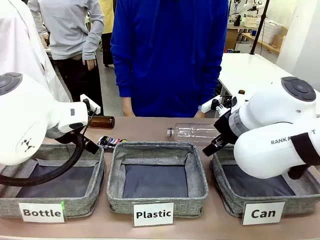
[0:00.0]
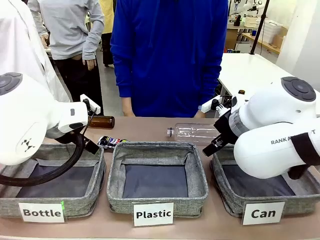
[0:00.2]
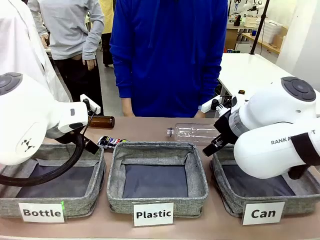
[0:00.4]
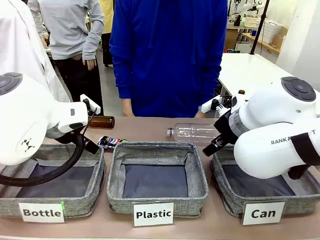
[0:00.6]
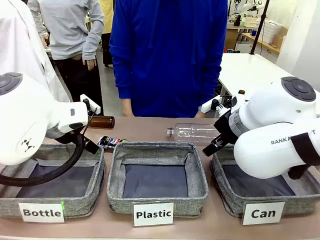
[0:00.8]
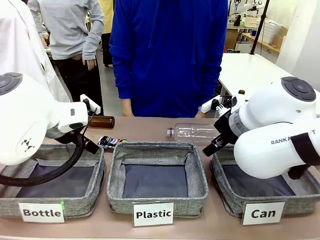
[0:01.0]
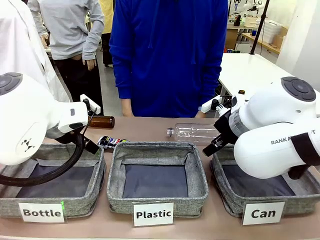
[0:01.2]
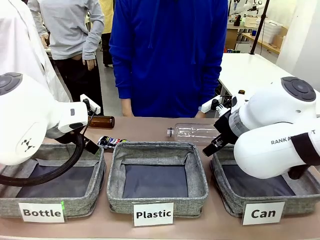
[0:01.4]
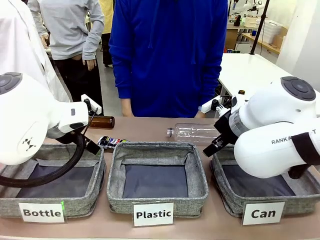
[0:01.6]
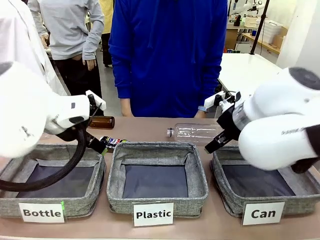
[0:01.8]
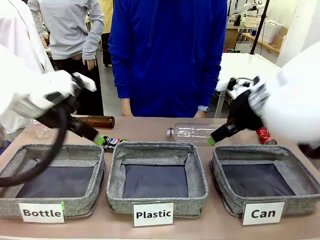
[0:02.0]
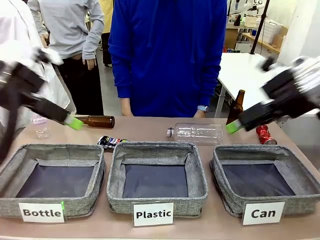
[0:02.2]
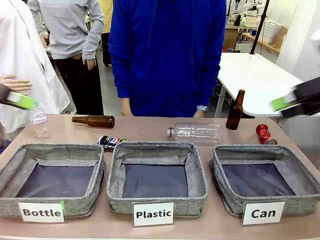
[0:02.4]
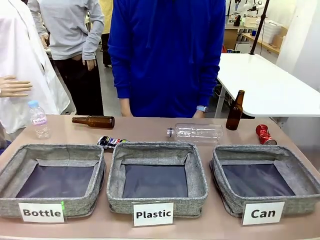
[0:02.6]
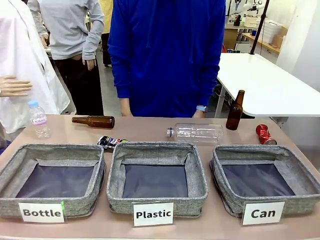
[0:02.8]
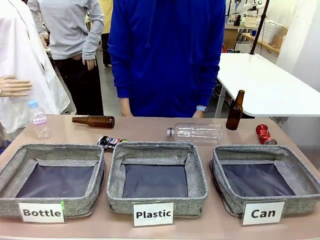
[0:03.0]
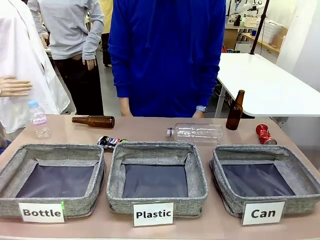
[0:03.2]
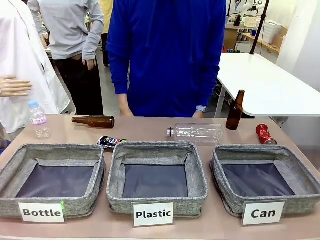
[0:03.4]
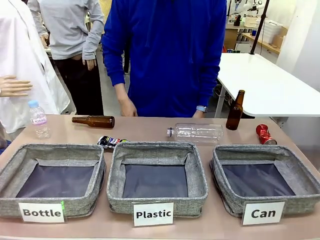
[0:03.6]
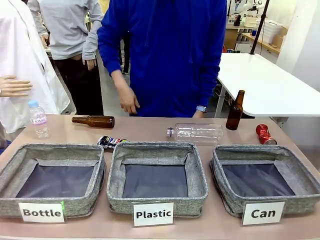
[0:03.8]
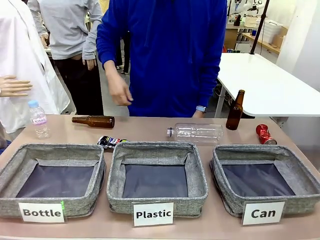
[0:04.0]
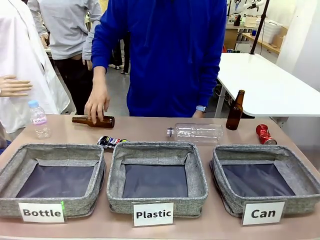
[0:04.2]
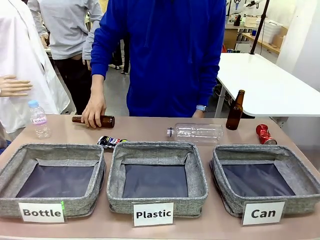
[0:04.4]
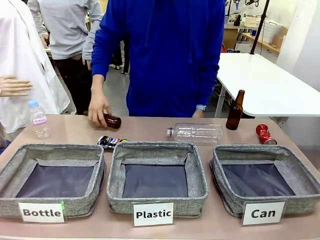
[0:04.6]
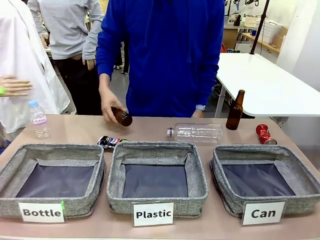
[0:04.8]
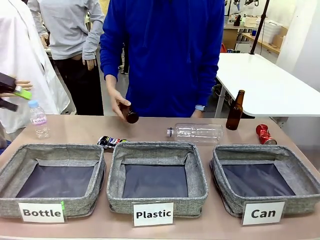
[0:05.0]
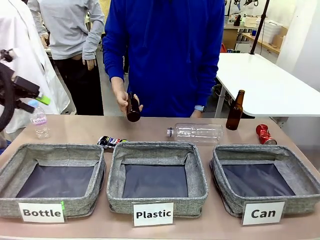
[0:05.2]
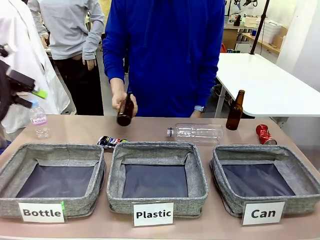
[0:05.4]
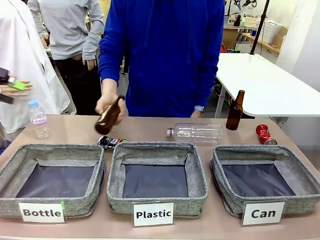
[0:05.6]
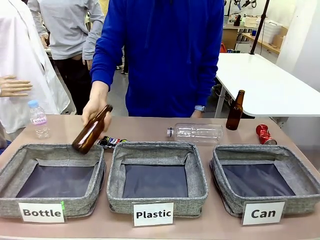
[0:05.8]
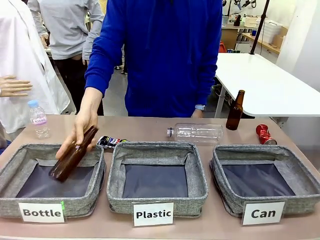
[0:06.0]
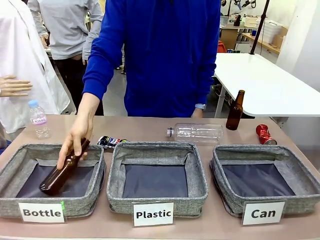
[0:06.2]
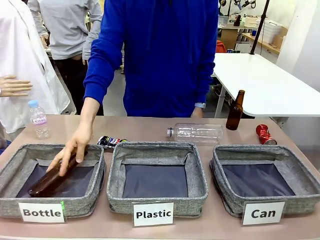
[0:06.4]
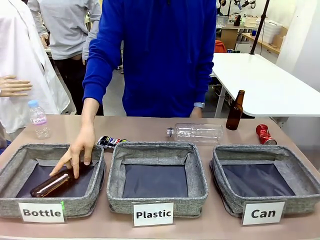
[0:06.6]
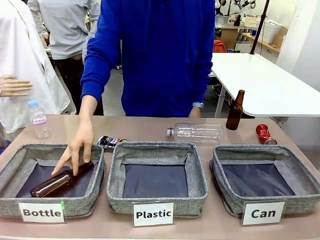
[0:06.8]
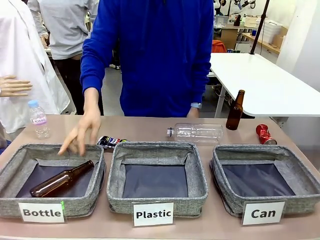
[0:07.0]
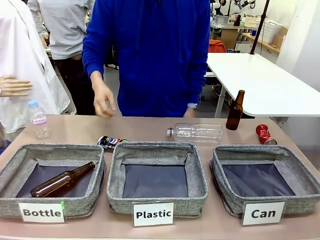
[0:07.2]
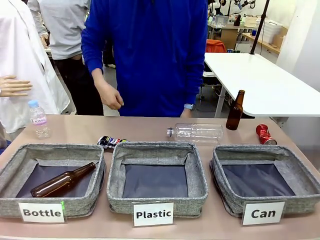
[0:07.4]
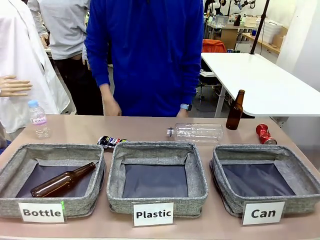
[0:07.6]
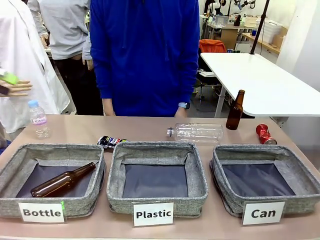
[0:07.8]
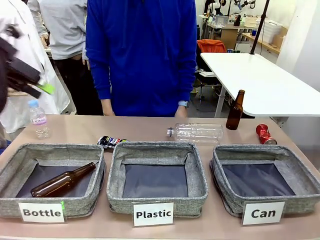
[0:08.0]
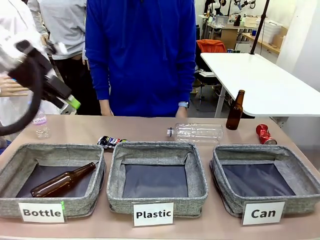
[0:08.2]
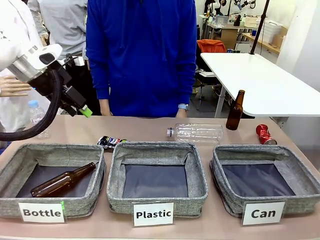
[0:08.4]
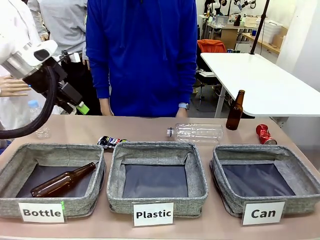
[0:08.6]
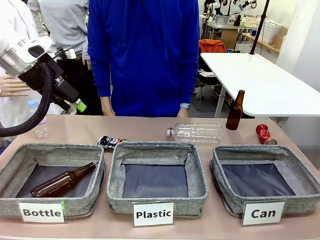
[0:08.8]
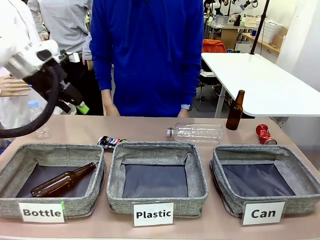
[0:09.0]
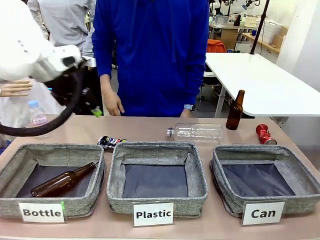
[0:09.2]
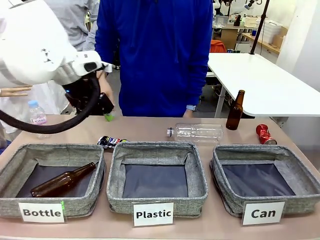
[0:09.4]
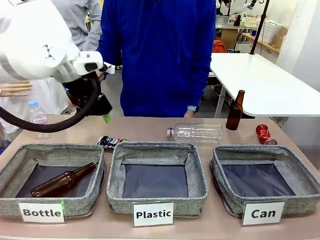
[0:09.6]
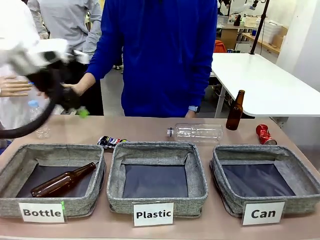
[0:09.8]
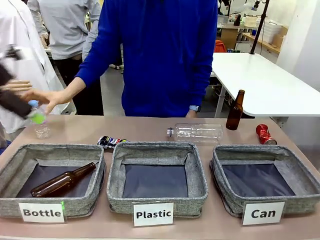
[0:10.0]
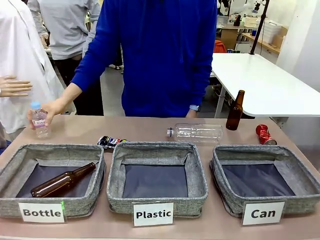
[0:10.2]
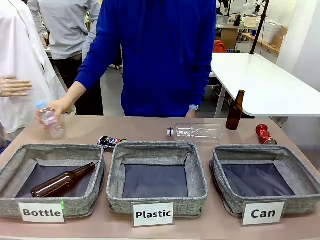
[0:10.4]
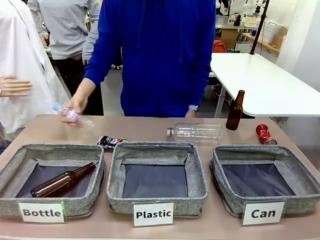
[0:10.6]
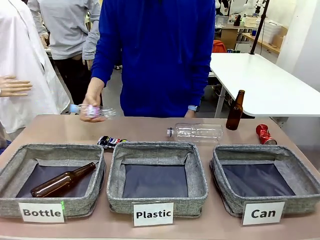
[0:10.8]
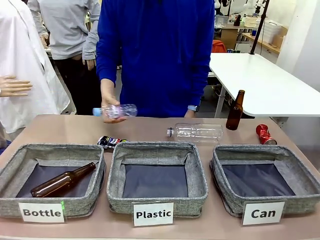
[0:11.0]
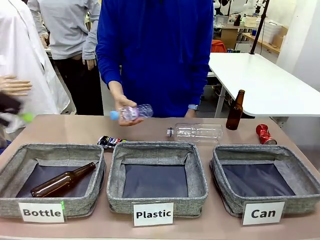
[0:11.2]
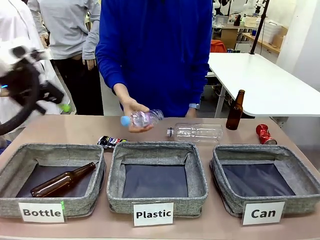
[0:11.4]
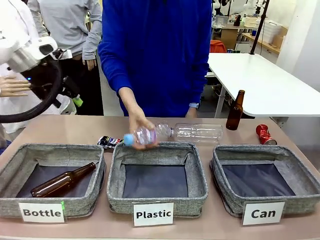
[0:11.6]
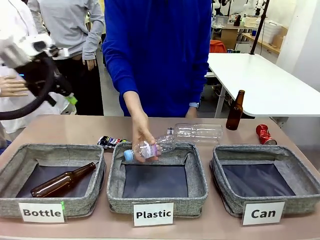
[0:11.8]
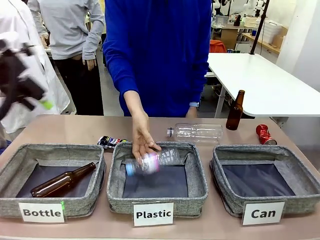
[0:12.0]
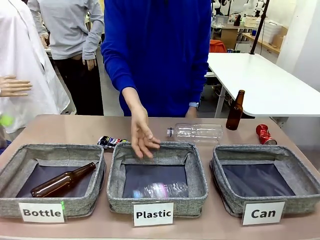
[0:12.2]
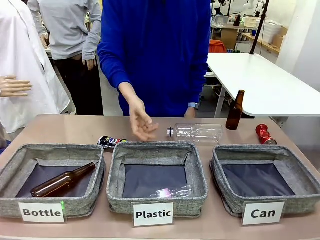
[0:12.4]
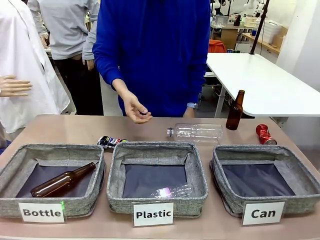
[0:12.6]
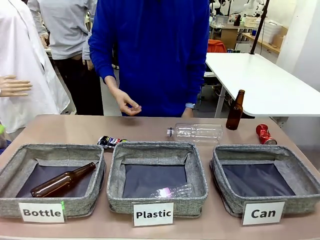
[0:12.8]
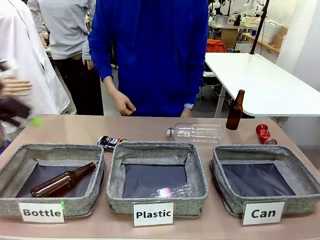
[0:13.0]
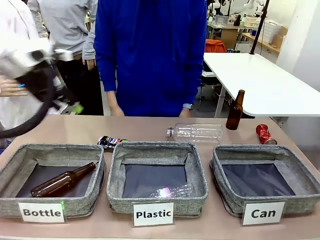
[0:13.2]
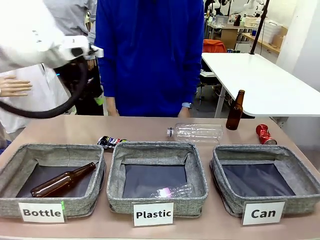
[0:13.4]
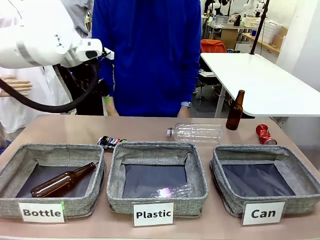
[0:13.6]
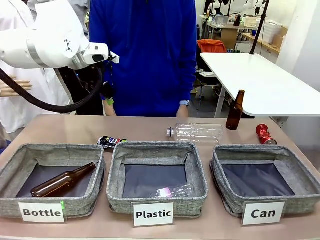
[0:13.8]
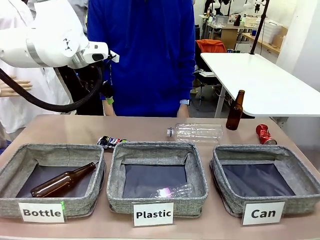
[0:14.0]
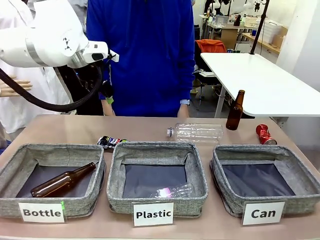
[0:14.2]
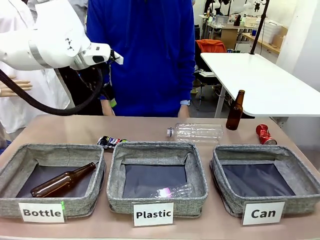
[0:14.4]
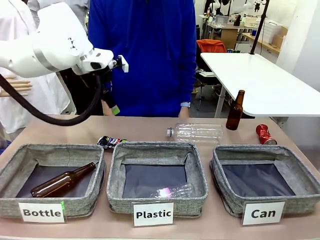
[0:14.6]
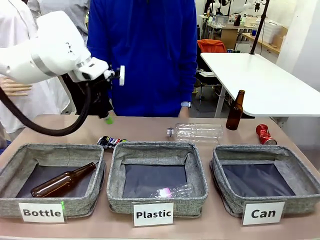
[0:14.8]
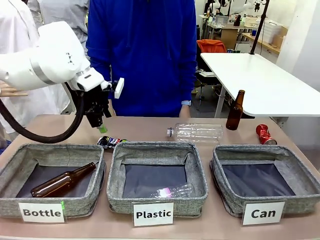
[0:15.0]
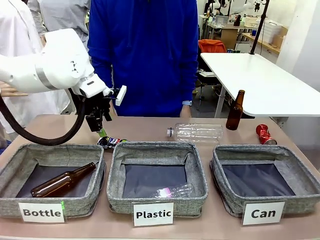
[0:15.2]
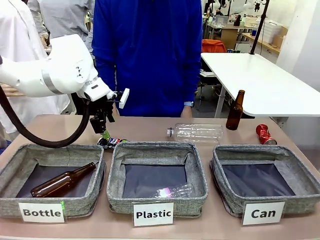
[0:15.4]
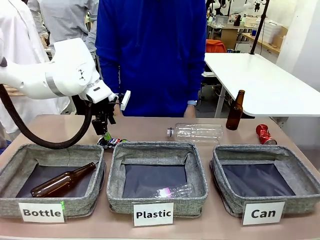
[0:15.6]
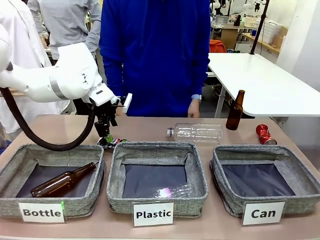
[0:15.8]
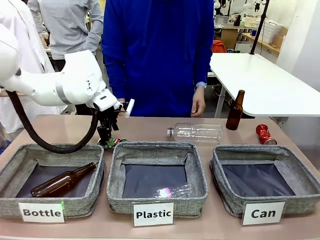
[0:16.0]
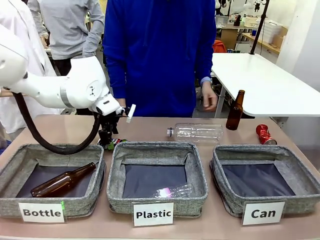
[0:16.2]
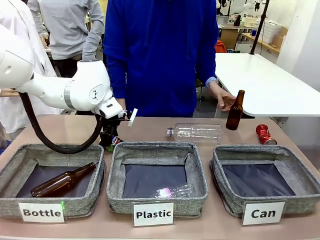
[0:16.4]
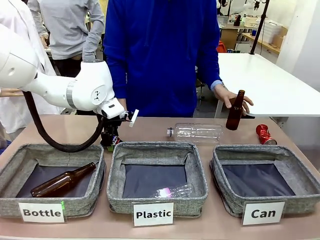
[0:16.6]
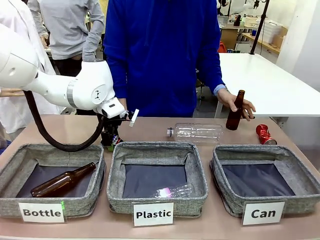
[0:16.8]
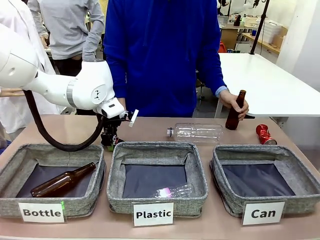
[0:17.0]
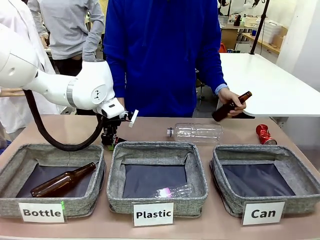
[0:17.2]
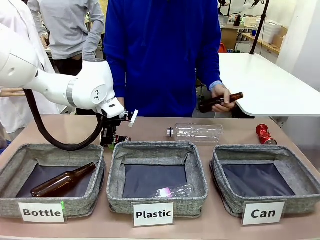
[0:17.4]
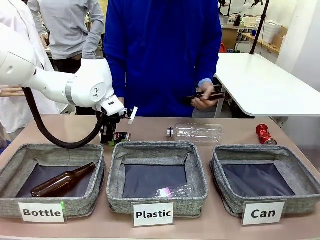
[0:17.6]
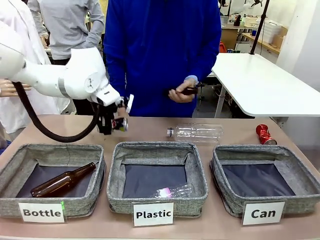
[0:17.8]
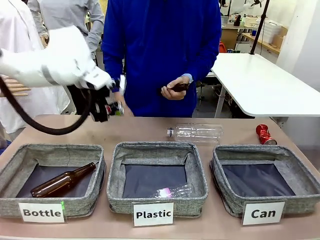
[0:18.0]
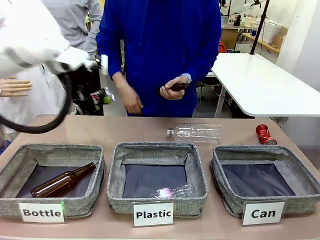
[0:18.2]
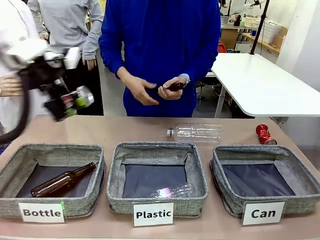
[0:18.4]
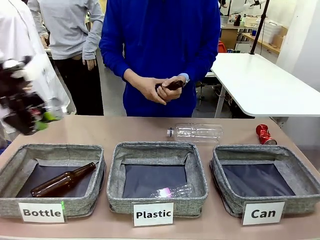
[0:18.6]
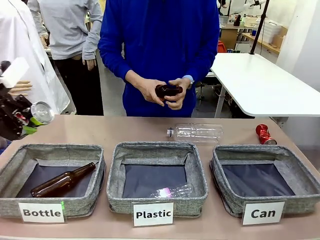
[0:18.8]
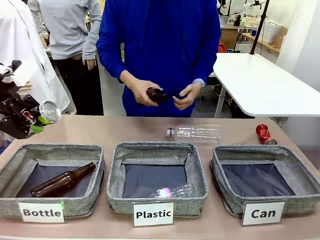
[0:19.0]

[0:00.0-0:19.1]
Task: Sort the can waste into the basket.
Robot: Pick up the can waste from the table and place it in the right Fabric basket.
